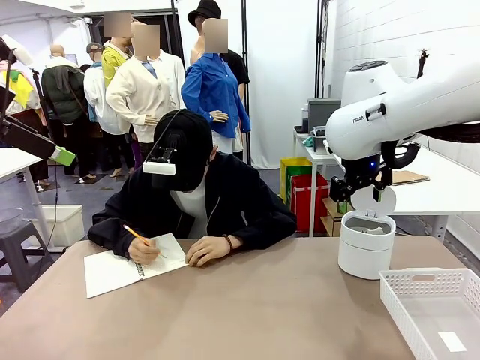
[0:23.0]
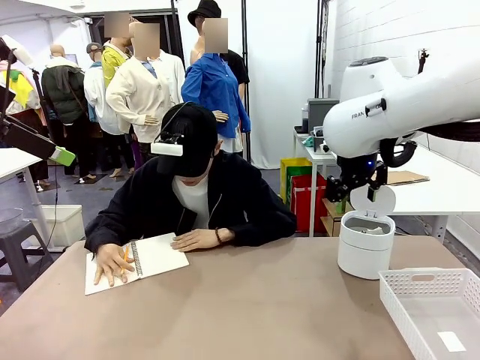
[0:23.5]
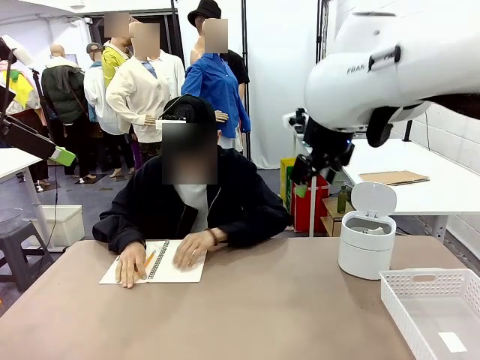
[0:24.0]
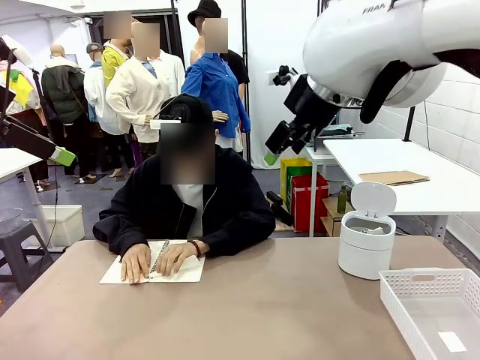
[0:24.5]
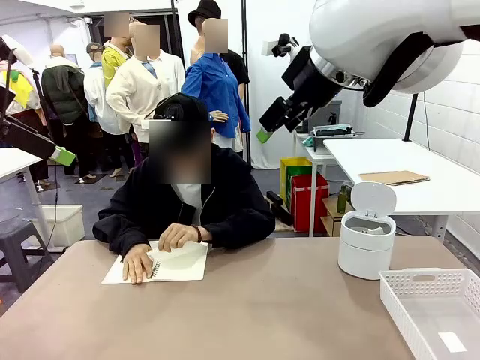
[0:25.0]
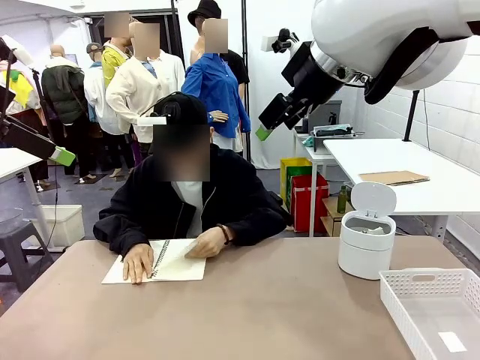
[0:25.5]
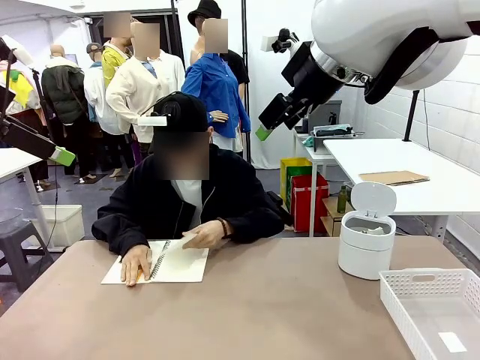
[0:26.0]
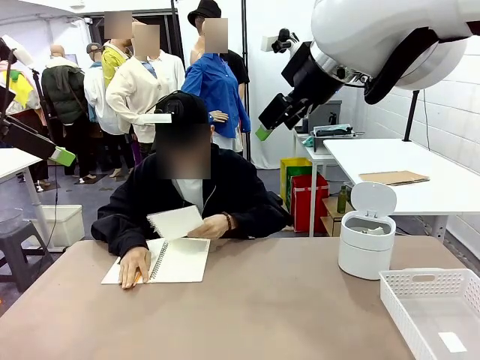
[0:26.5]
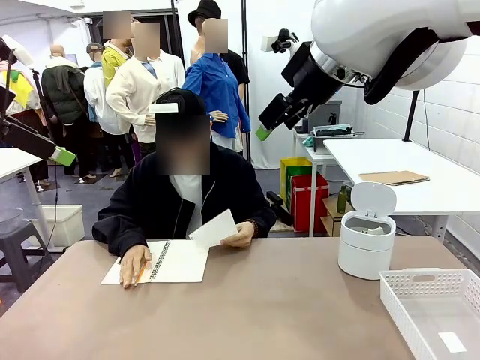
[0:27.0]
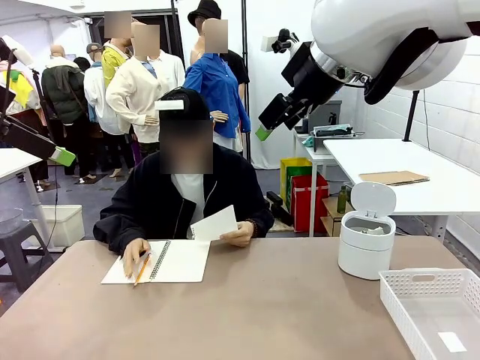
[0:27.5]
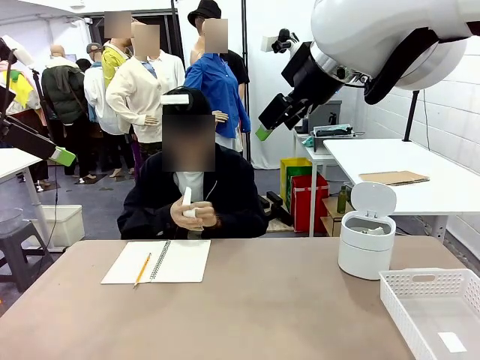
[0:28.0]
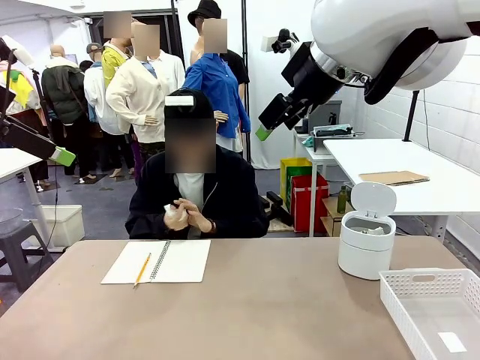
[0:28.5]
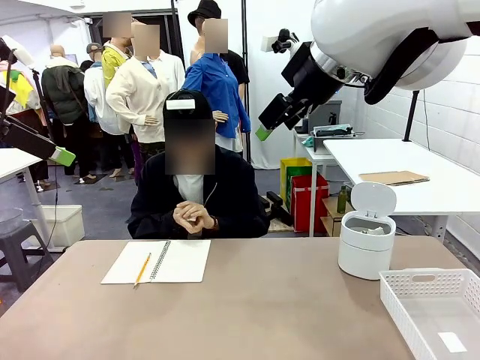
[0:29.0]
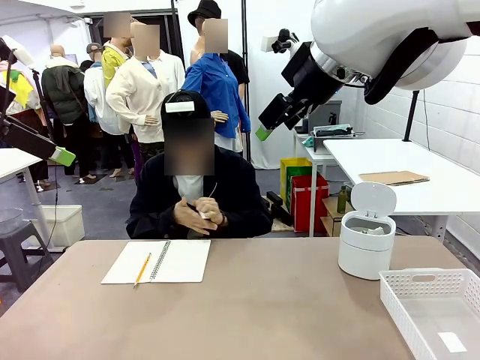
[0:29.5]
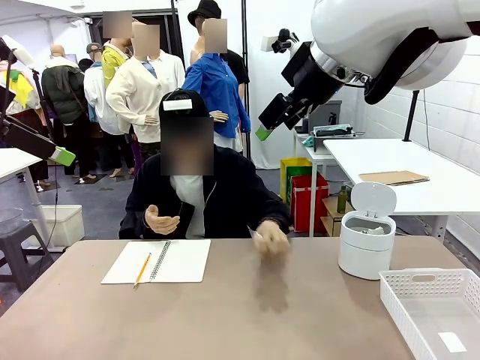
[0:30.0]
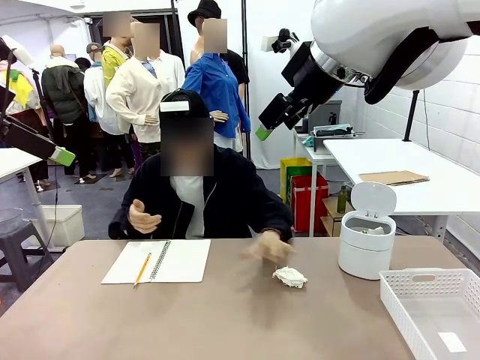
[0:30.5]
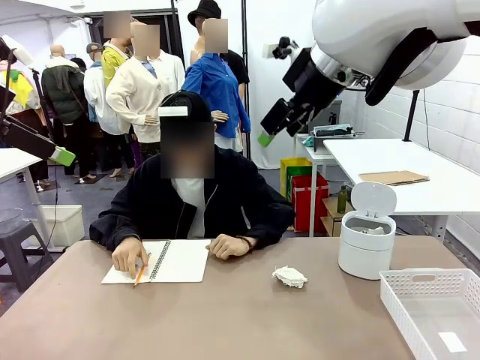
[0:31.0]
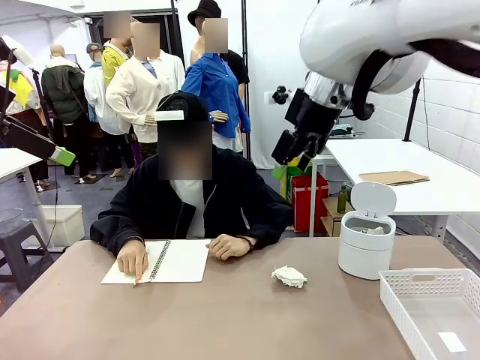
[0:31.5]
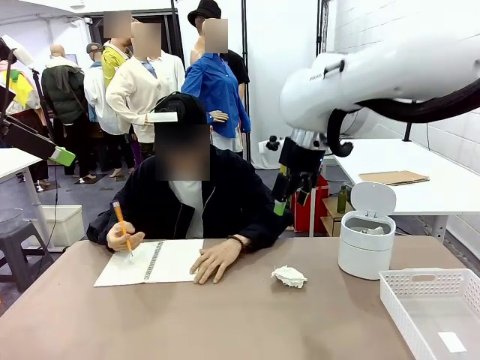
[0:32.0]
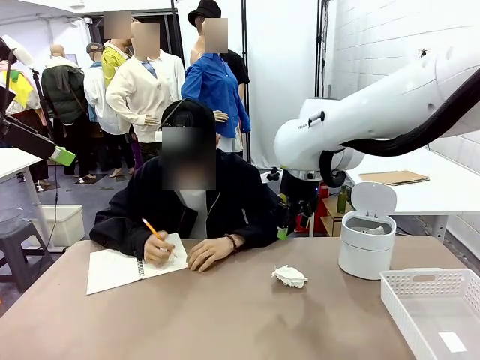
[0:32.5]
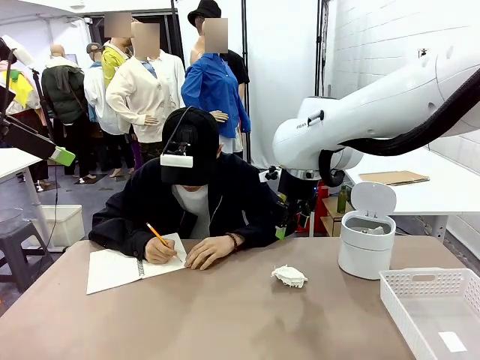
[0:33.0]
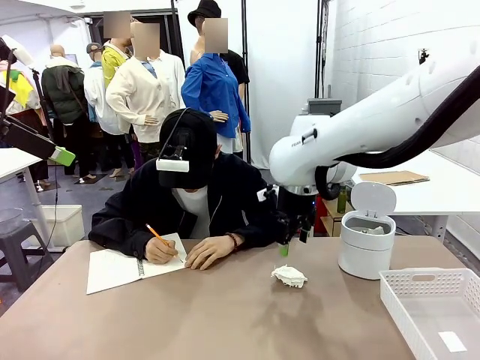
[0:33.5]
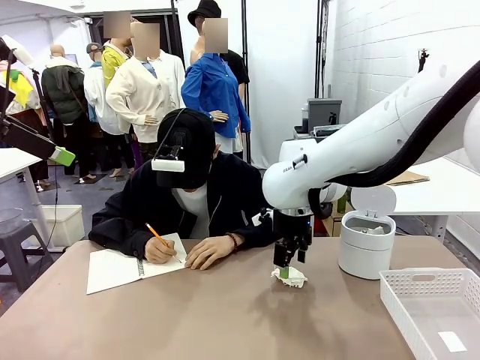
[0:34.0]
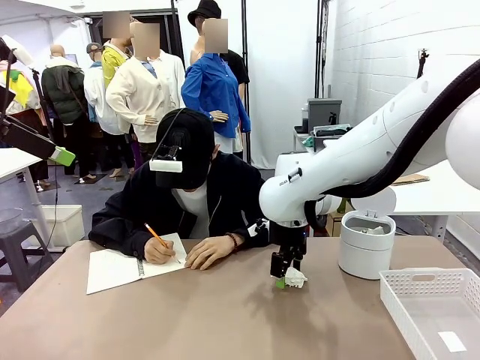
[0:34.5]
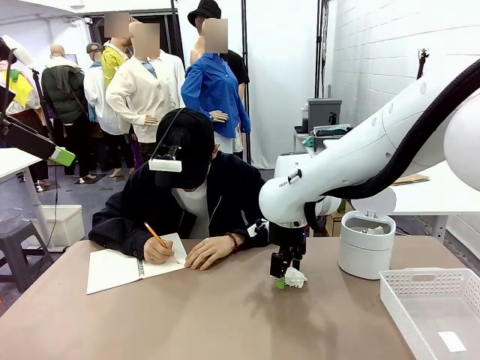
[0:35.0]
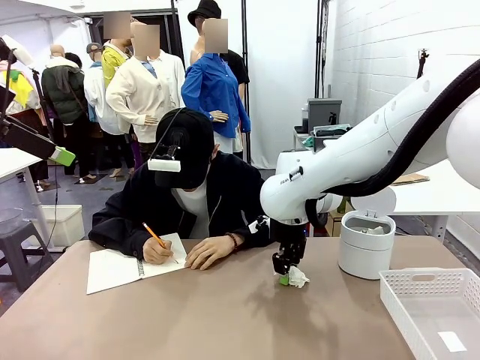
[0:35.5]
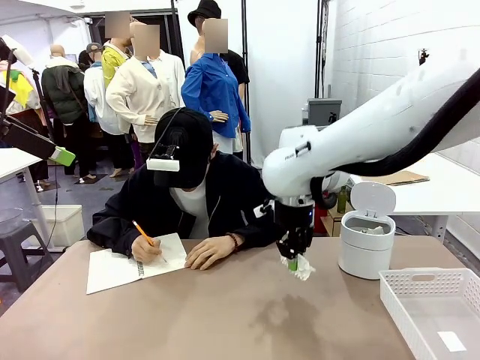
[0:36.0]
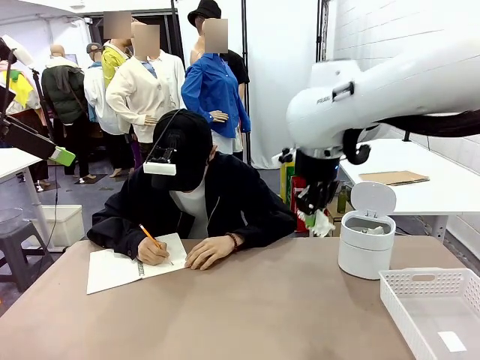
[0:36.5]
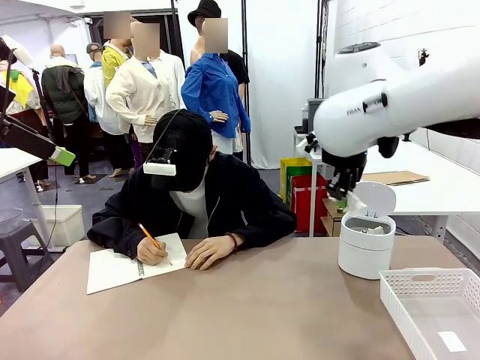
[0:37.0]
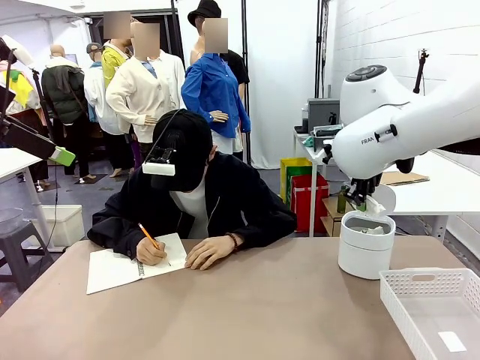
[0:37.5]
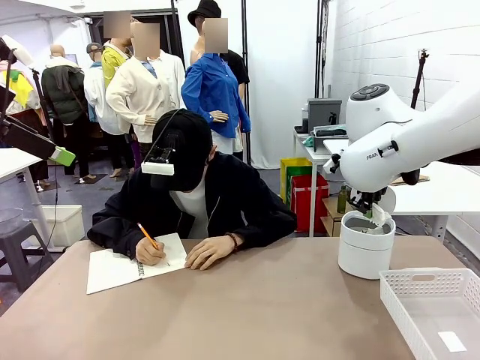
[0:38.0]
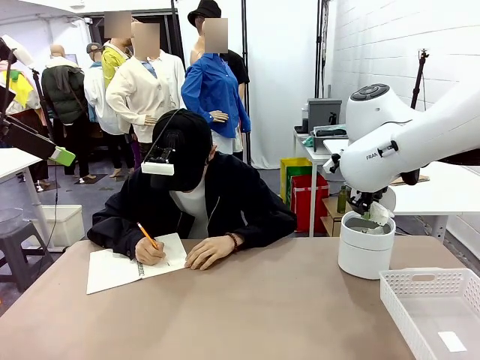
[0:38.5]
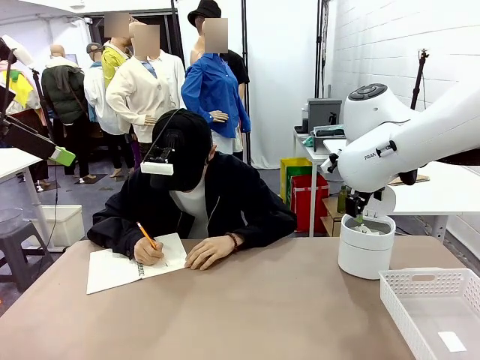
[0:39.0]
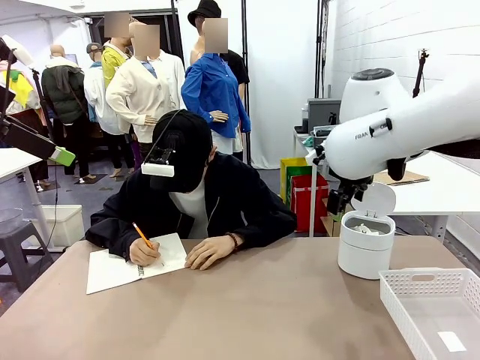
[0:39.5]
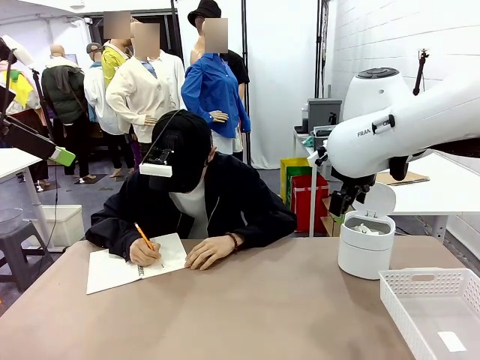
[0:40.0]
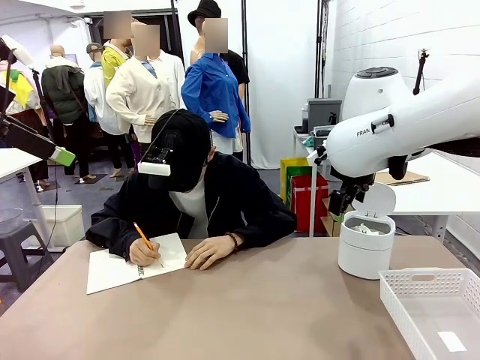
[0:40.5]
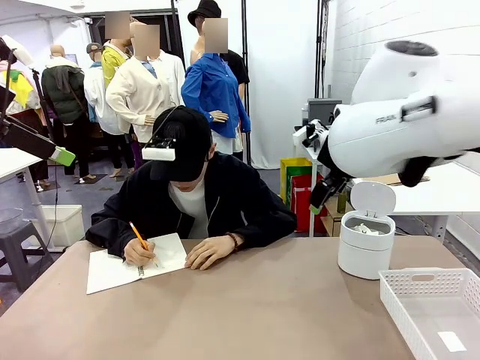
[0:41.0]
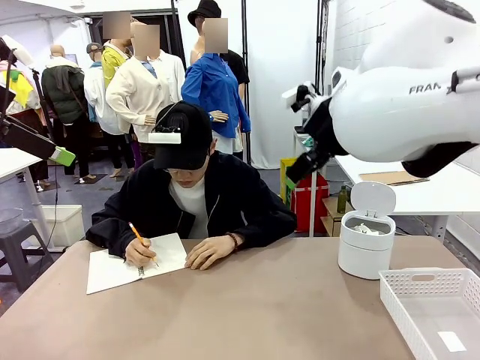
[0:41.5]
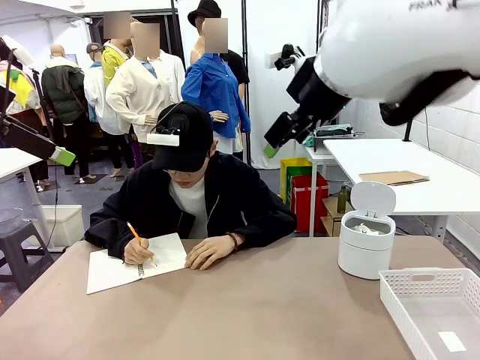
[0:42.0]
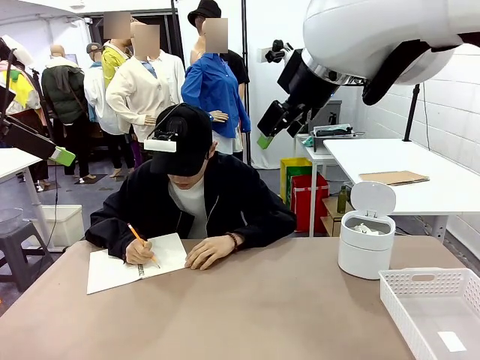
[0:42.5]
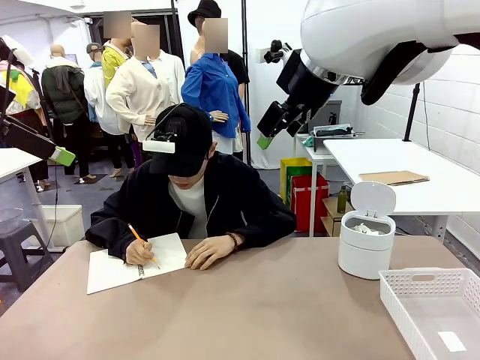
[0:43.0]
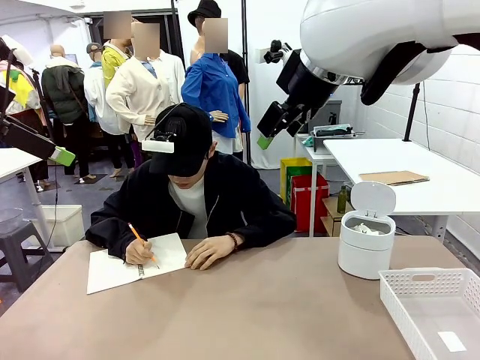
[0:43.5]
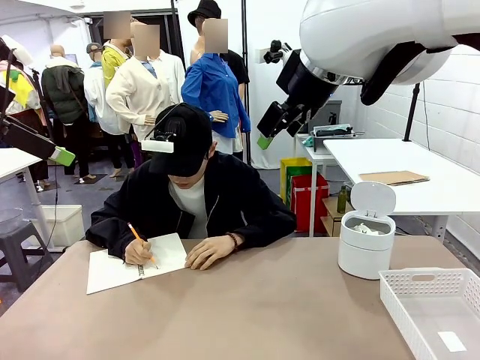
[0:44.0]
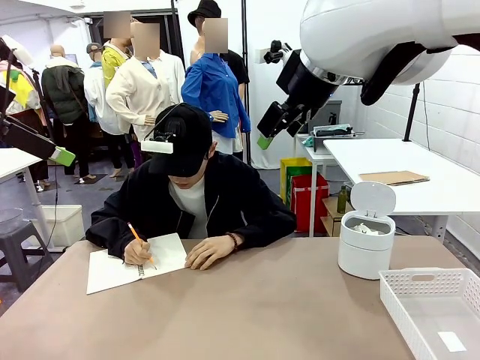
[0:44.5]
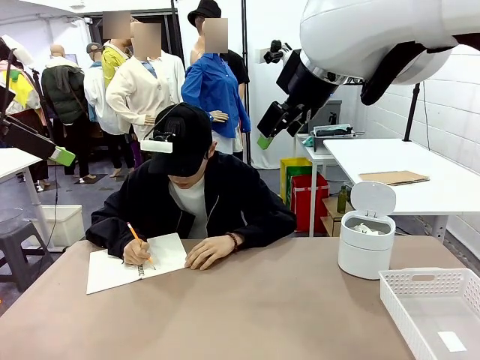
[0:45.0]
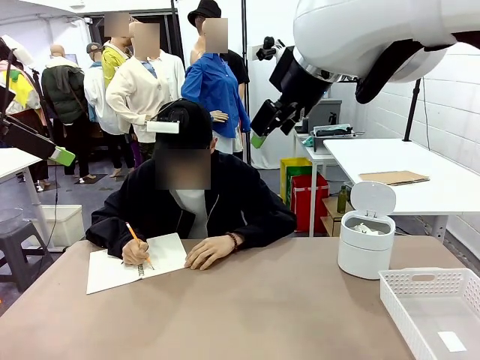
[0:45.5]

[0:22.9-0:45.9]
Task: Sort the paper based on its condition.
Robot: If a person hands you a paper, place it in the Organizing basket , and if it's crumpled, put it in the Trash can.
Person: Hand the torn page to the robot or crumple it and throw it to the center of the table. Tear out a page from the spiral notebook.
